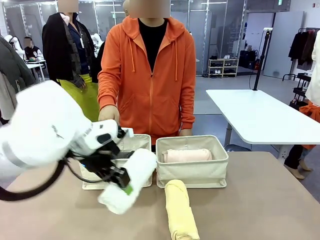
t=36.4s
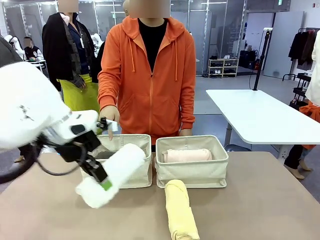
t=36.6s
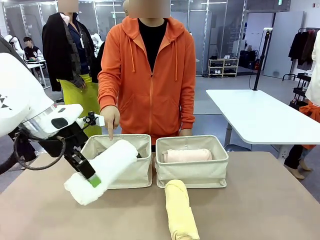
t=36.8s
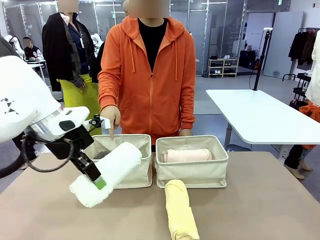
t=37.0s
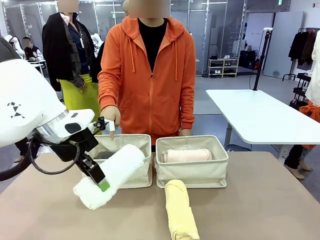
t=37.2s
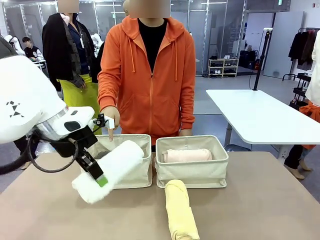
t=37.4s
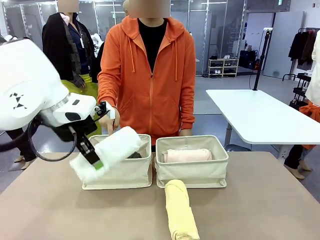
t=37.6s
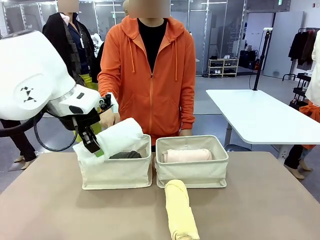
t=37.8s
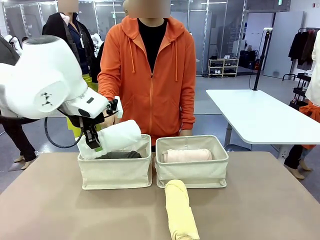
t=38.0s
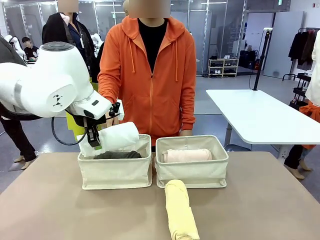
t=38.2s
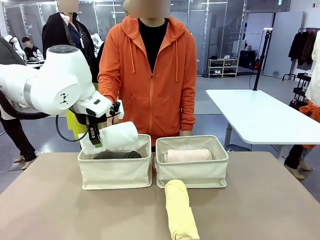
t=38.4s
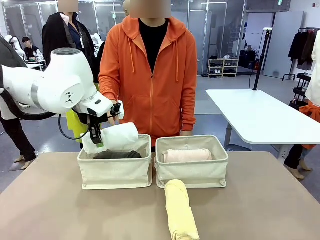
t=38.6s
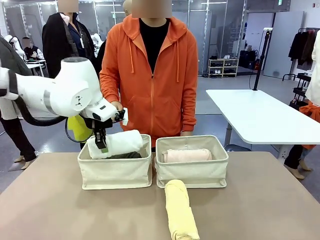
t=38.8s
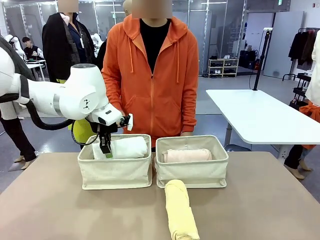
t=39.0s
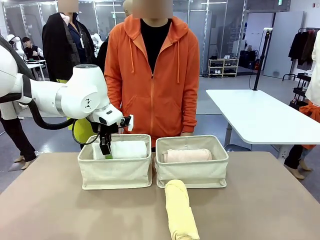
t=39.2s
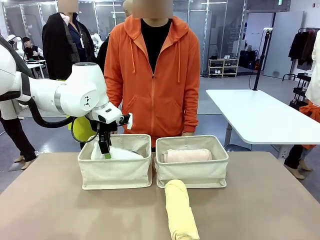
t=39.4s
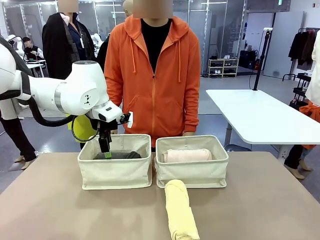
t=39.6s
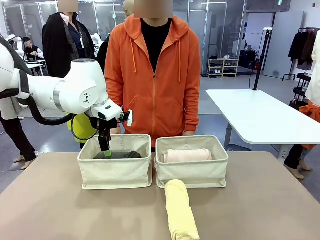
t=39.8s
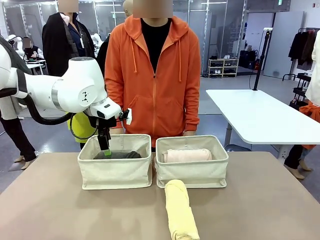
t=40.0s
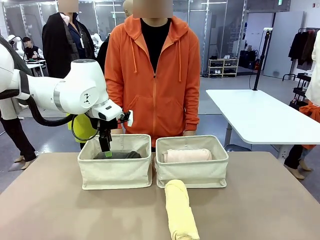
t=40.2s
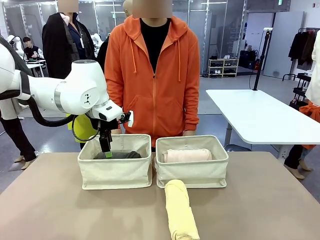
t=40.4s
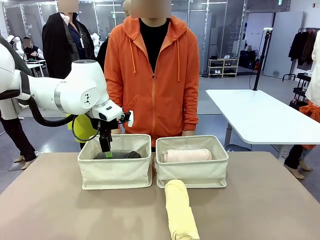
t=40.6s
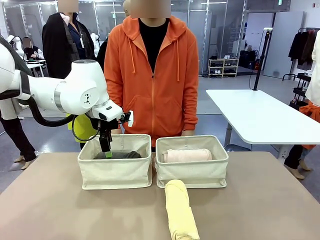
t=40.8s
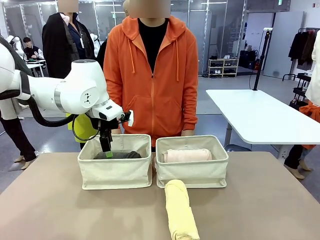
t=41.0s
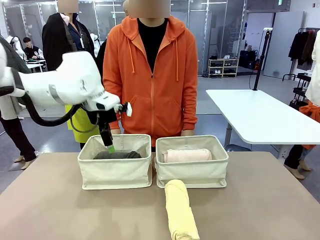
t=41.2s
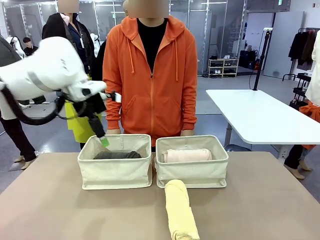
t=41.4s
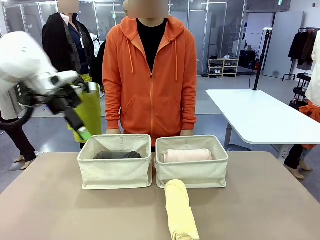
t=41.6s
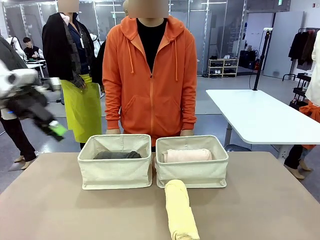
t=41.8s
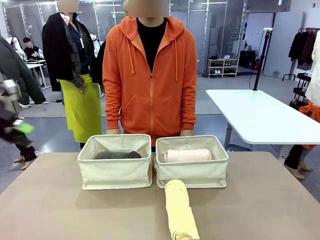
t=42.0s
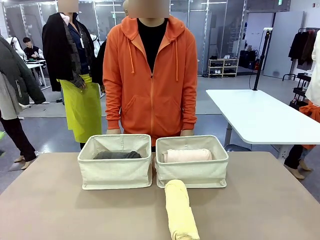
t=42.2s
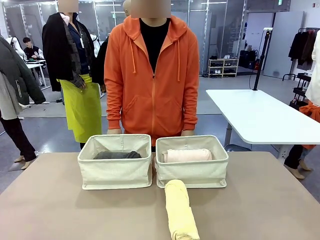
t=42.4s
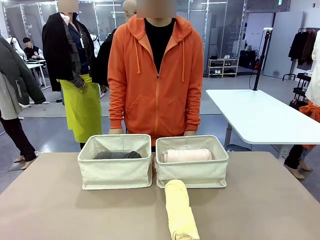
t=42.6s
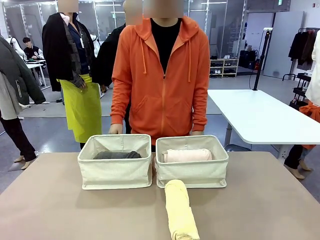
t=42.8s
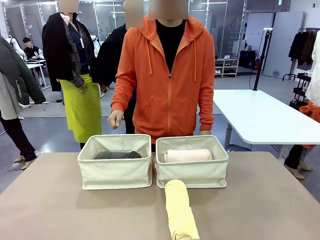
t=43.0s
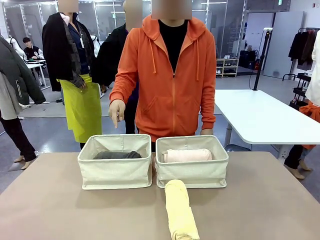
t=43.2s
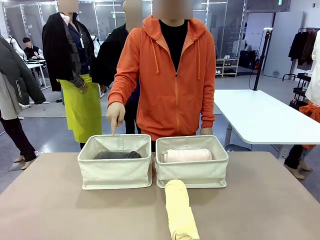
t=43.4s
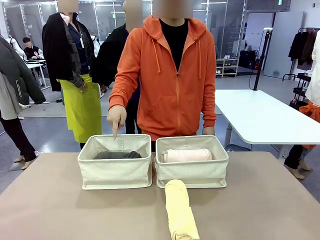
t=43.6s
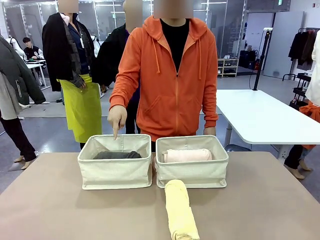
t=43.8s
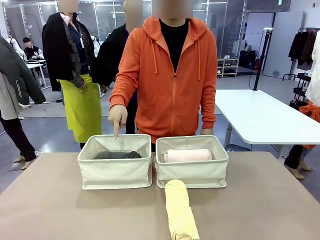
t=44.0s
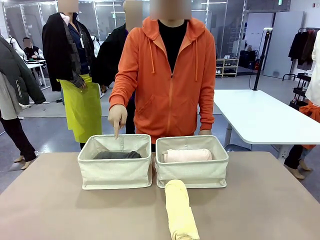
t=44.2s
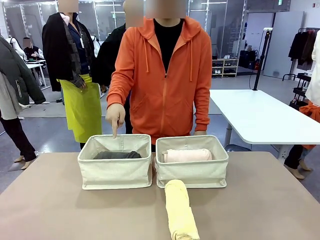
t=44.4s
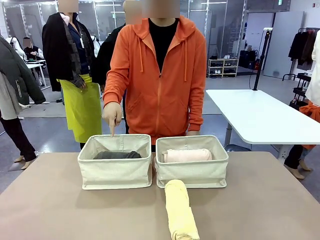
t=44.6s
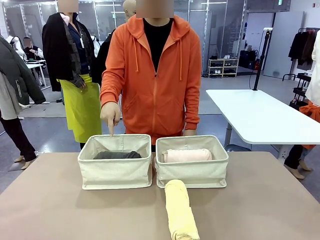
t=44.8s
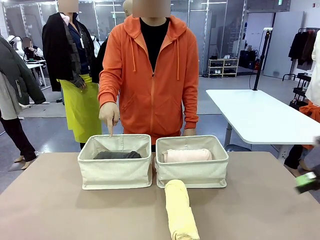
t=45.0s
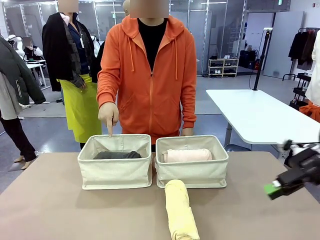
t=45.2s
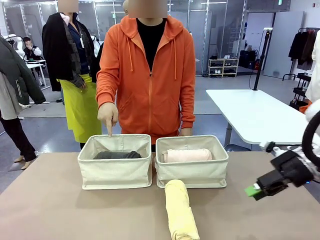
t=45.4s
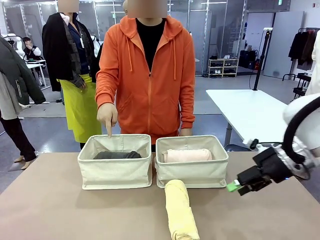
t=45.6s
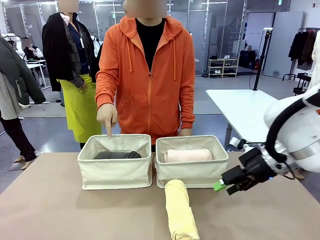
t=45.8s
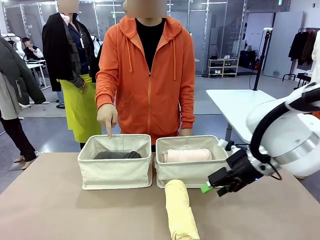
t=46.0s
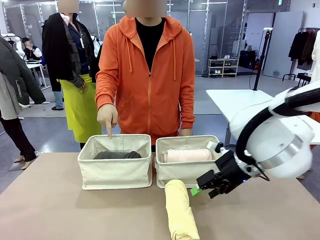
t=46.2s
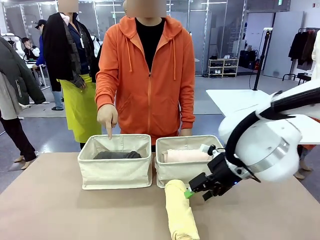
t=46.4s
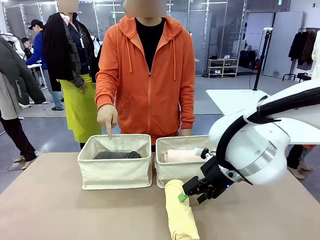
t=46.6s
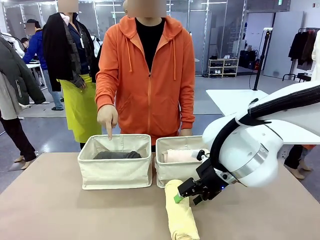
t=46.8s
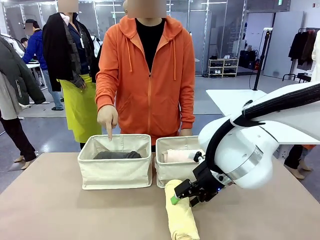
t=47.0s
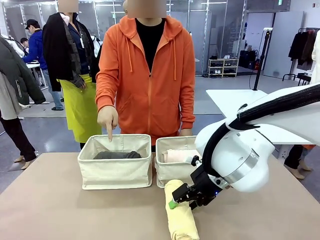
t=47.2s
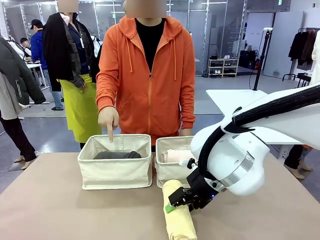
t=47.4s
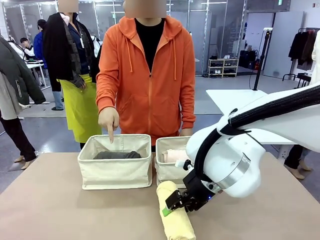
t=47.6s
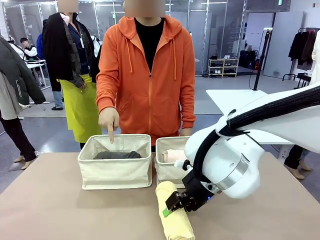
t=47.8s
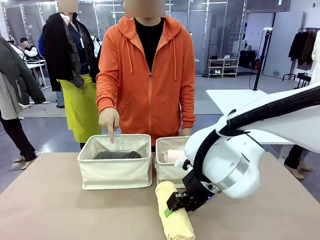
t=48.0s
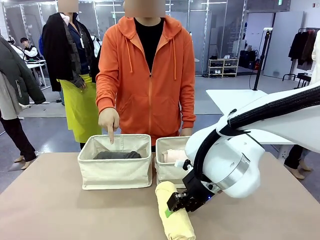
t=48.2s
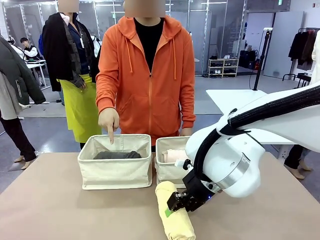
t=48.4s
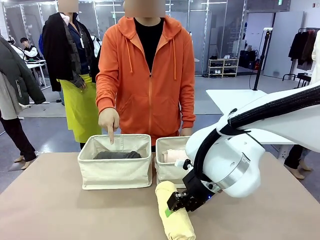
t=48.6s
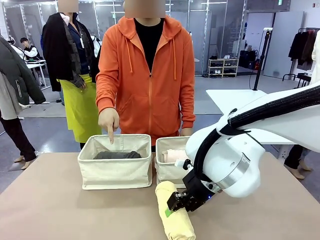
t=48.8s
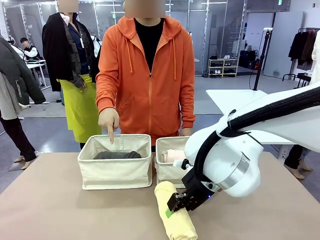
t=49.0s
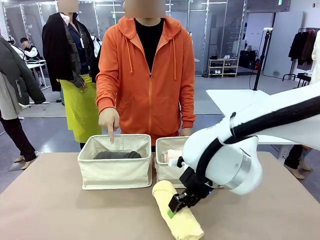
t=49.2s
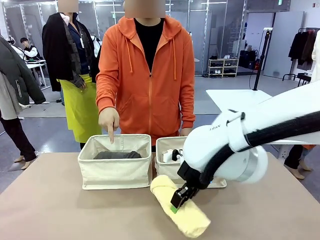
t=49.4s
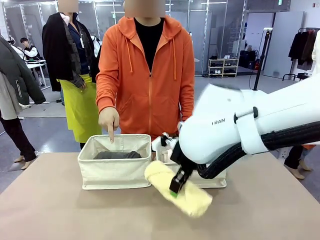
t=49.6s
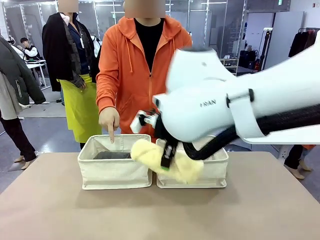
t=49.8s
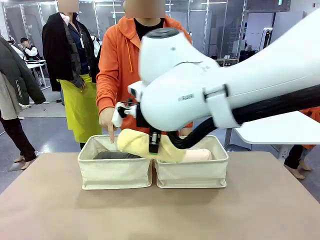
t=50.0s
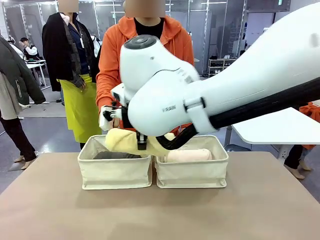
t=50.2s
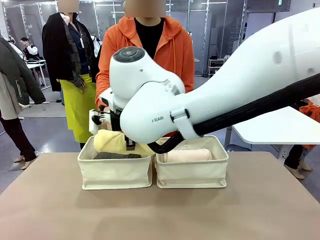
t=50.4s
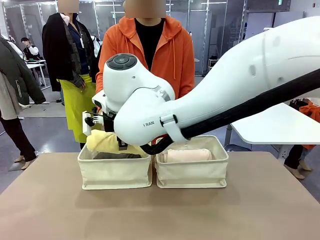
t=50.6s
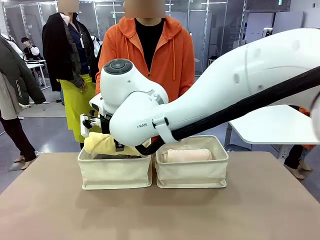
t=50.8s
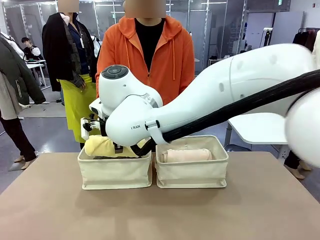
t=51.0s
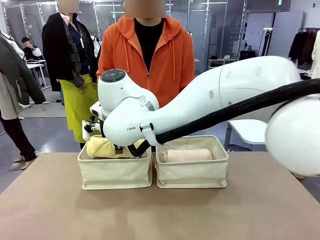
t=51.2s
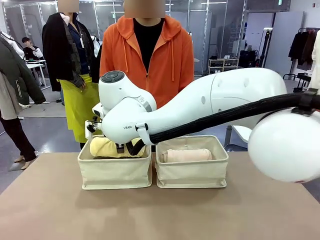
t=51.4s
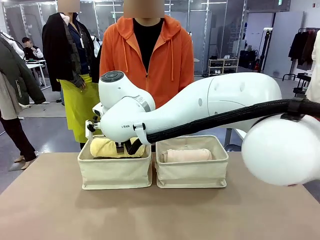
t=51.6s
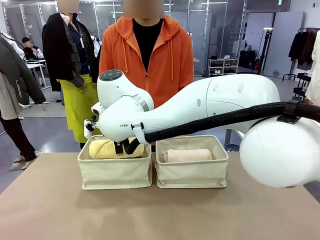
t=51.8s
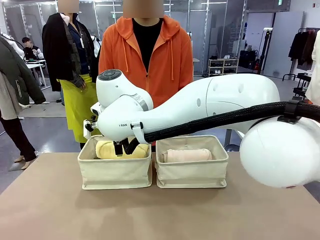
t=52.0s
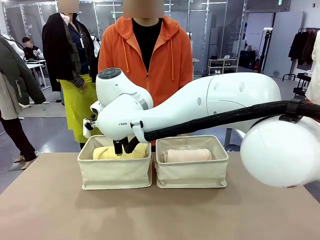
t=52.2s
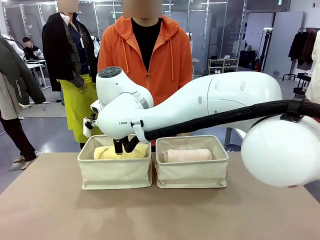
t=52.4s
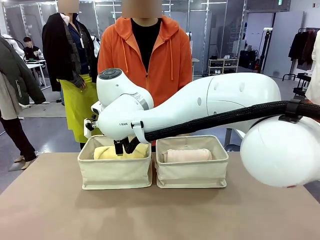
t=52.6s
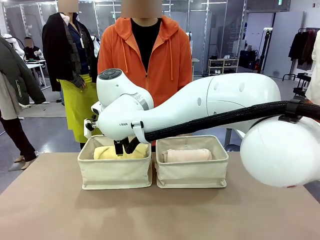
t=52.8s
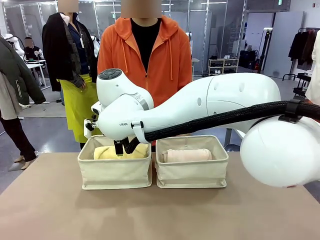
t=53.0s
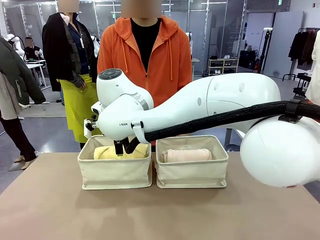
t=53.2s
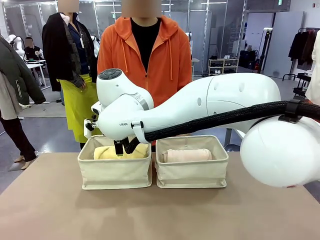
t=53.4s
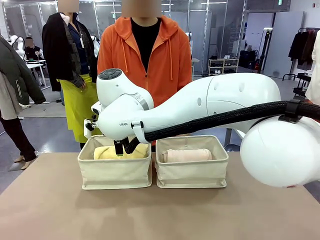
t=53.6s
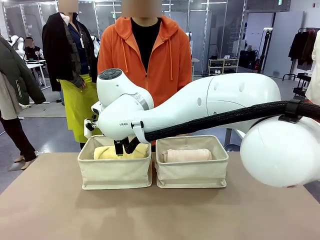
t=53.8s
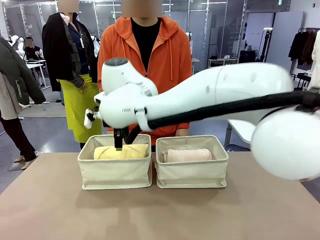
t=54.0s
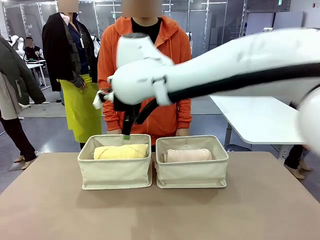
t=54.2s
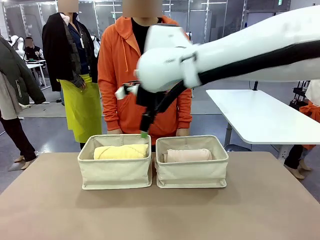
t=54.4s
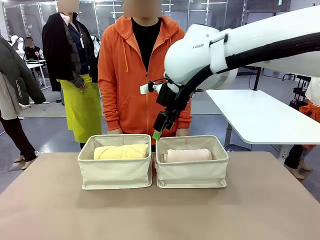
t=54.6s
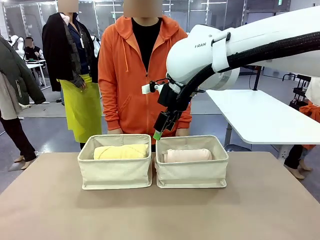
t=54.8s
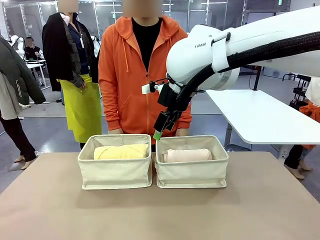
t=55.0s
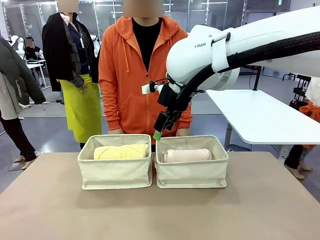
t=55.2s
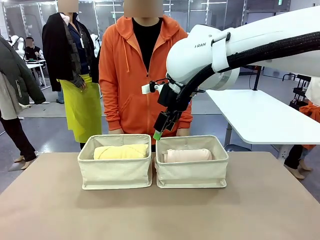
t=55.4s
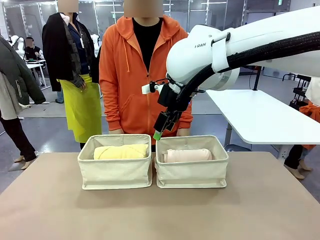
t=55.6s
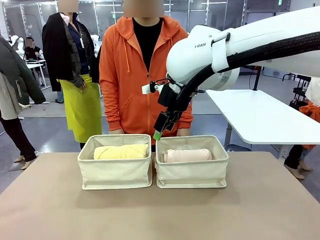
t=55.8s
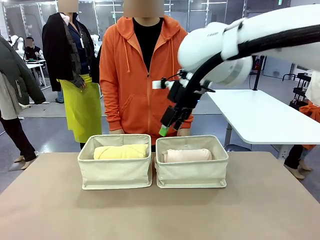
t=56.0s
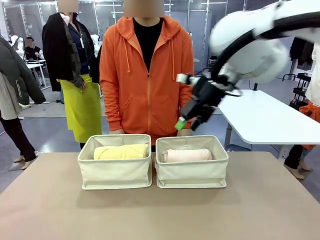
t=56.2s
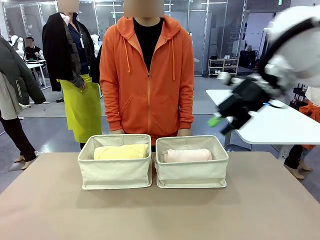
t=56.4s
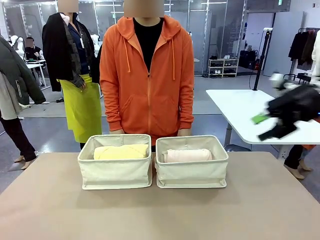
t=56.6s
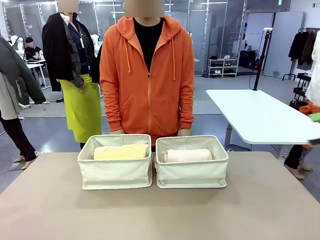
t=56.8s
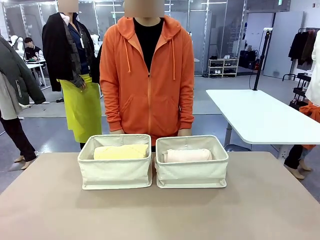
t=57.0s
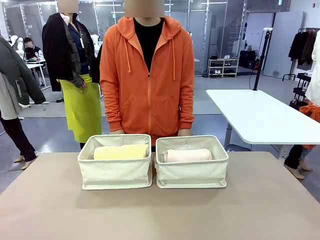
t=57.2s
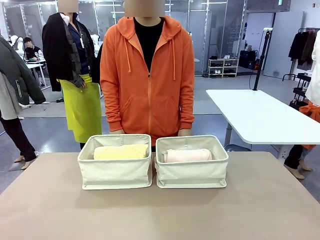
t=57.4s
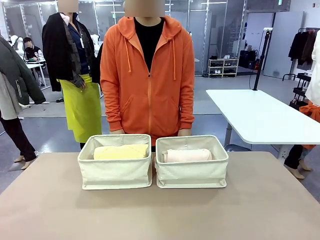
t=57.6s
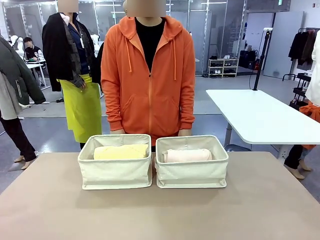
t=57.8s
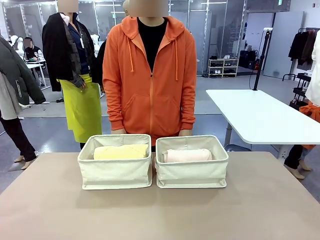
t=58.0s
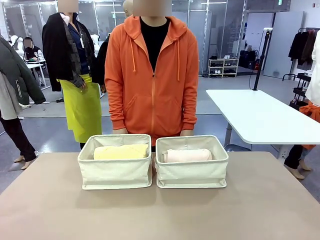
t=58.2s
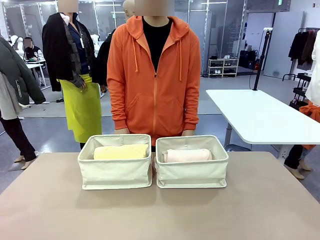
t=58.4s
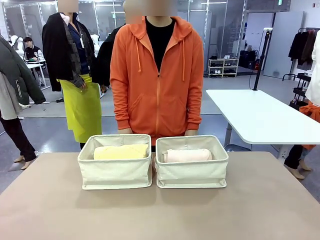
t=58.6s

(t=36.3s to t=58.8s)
Task: Divide the towels into two baskets.
Robot: Pick up one hotel-folded towel from the bottom of the table and place it in the Fabric basket indicated by the person.
